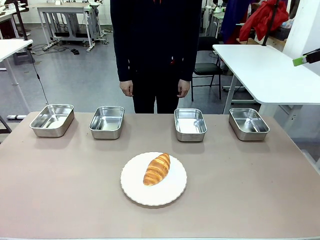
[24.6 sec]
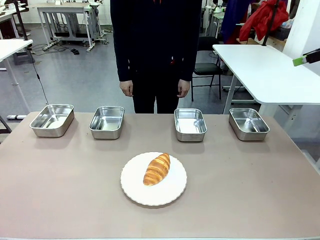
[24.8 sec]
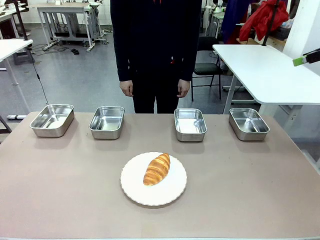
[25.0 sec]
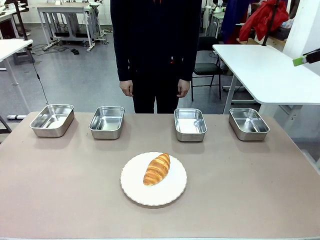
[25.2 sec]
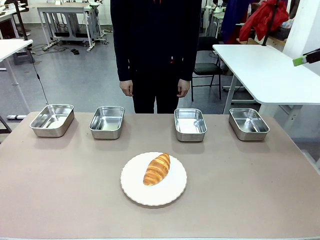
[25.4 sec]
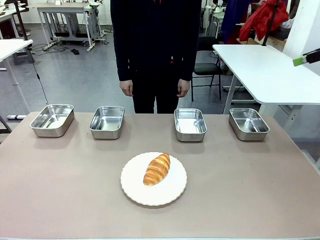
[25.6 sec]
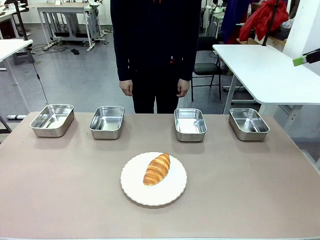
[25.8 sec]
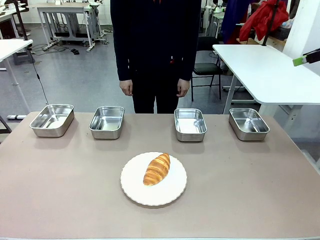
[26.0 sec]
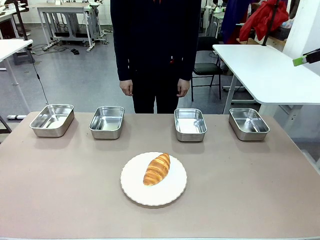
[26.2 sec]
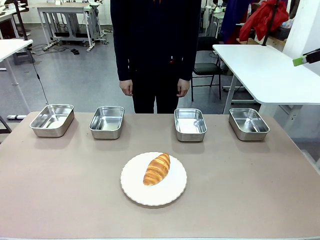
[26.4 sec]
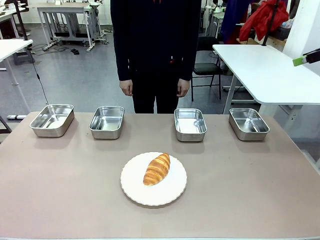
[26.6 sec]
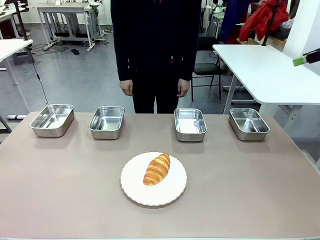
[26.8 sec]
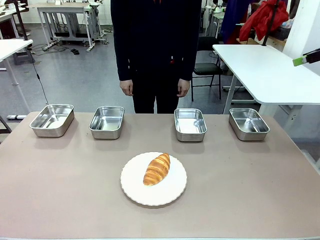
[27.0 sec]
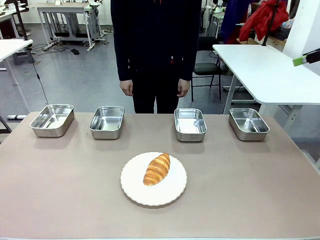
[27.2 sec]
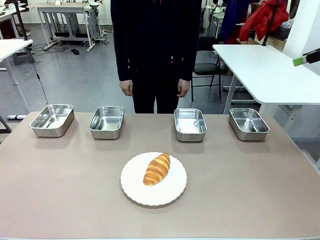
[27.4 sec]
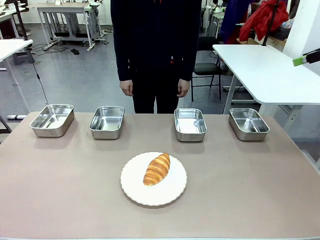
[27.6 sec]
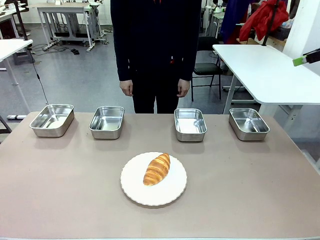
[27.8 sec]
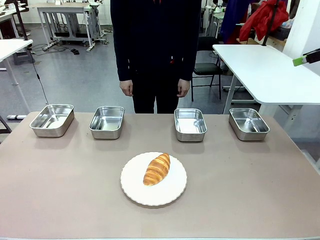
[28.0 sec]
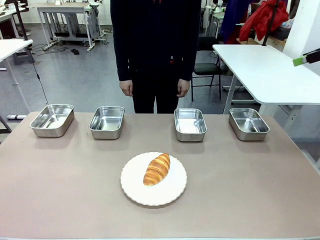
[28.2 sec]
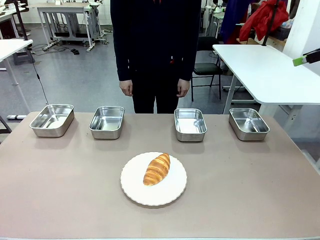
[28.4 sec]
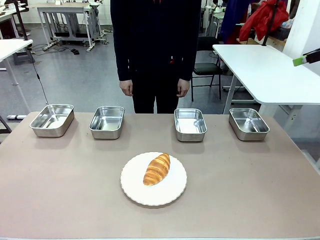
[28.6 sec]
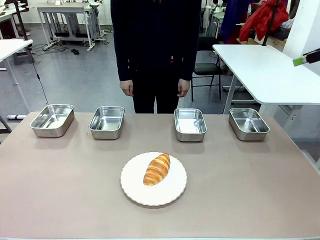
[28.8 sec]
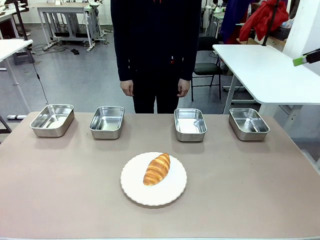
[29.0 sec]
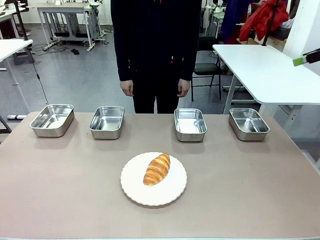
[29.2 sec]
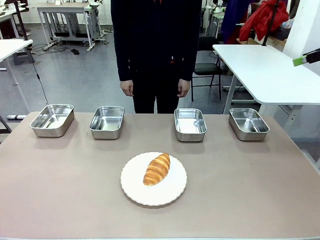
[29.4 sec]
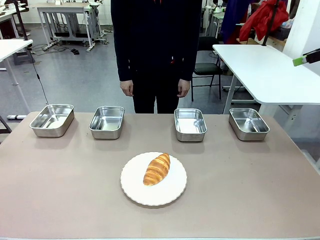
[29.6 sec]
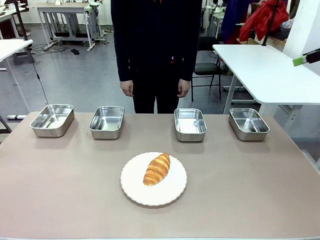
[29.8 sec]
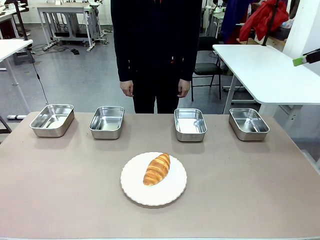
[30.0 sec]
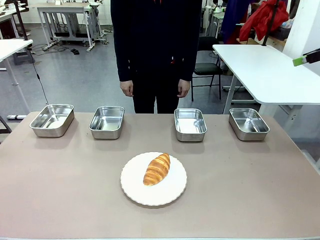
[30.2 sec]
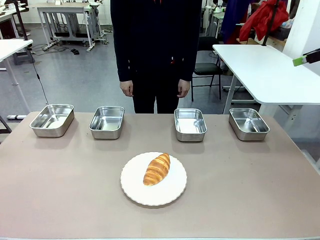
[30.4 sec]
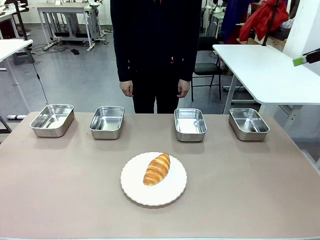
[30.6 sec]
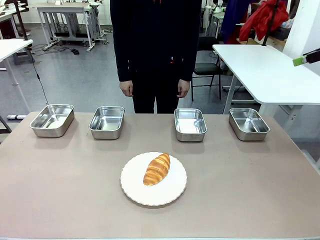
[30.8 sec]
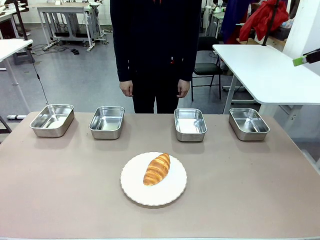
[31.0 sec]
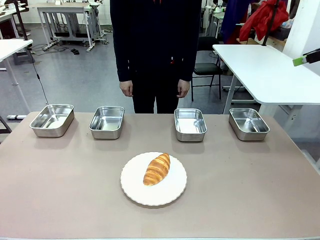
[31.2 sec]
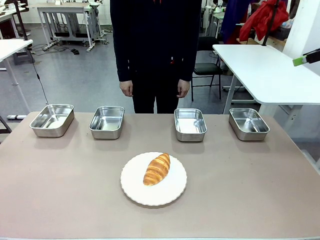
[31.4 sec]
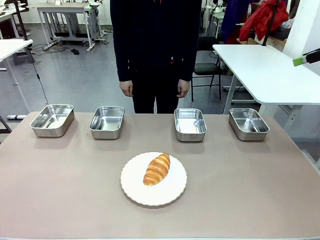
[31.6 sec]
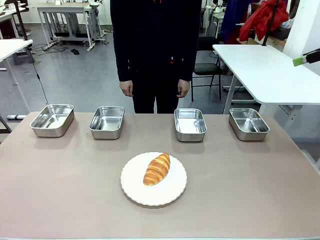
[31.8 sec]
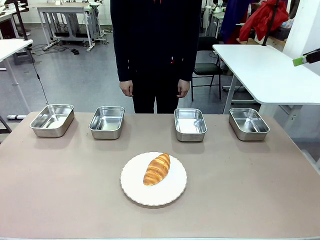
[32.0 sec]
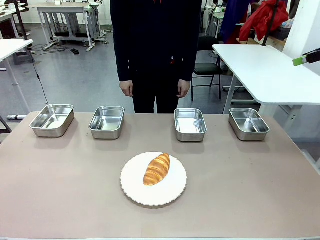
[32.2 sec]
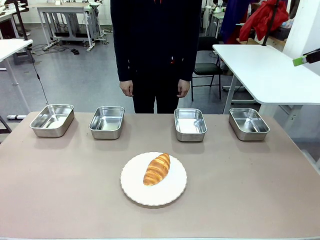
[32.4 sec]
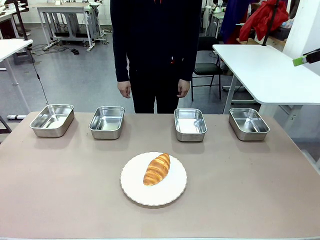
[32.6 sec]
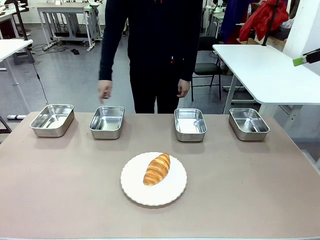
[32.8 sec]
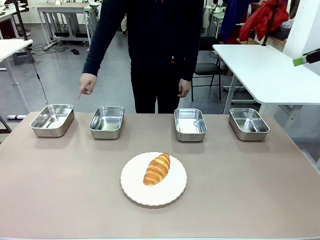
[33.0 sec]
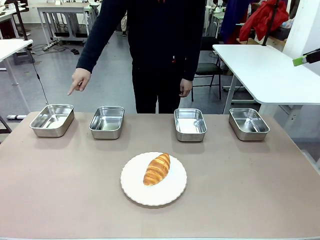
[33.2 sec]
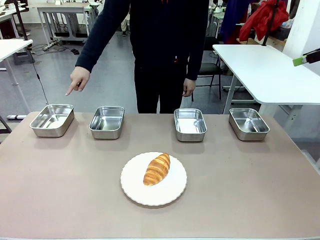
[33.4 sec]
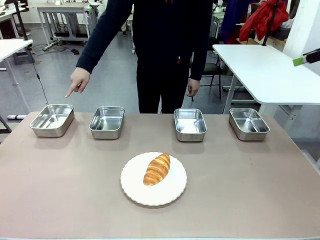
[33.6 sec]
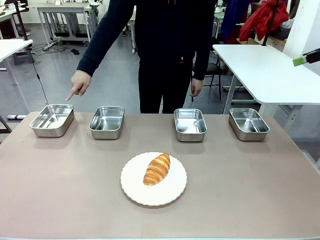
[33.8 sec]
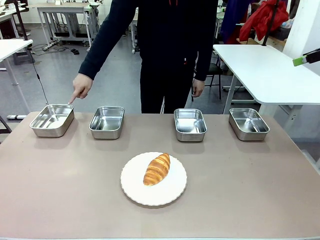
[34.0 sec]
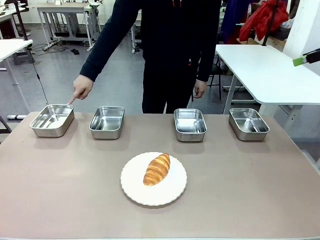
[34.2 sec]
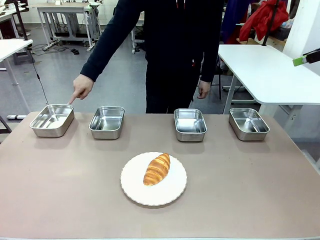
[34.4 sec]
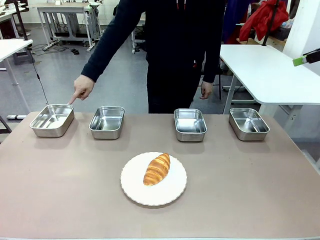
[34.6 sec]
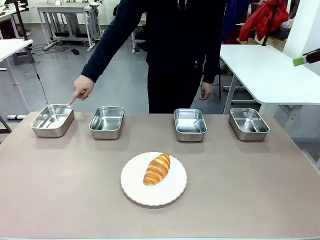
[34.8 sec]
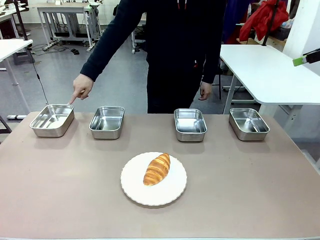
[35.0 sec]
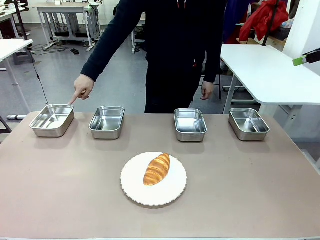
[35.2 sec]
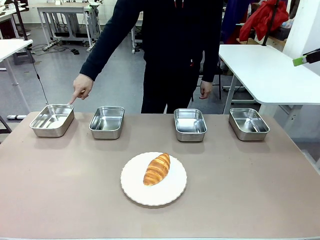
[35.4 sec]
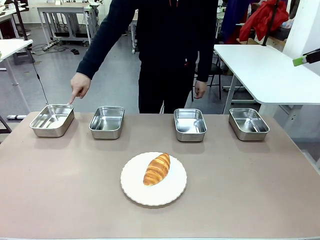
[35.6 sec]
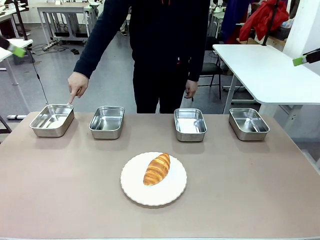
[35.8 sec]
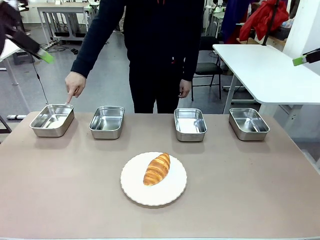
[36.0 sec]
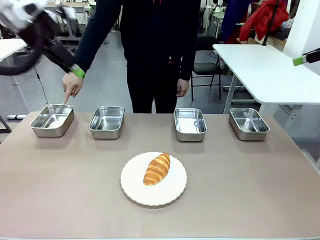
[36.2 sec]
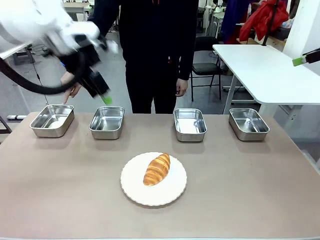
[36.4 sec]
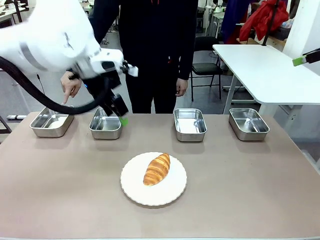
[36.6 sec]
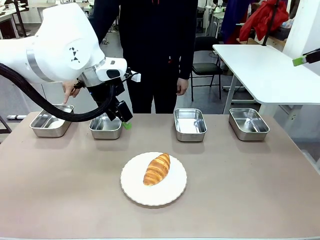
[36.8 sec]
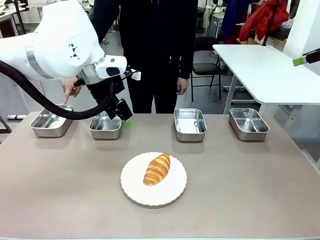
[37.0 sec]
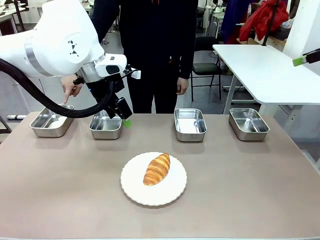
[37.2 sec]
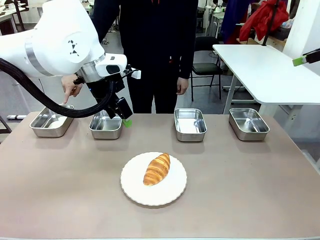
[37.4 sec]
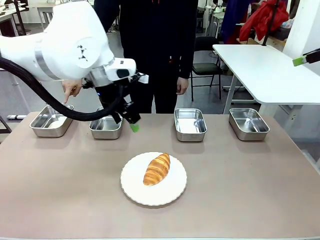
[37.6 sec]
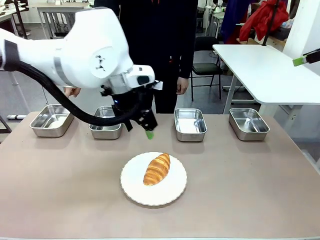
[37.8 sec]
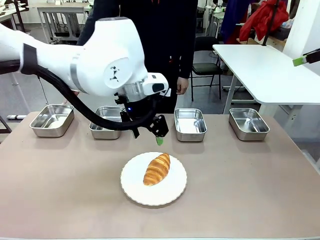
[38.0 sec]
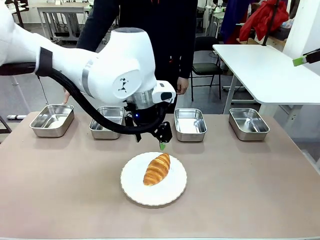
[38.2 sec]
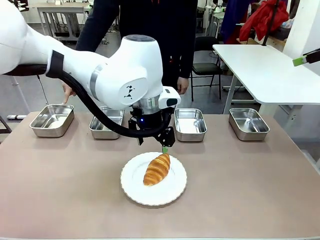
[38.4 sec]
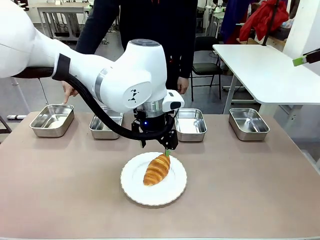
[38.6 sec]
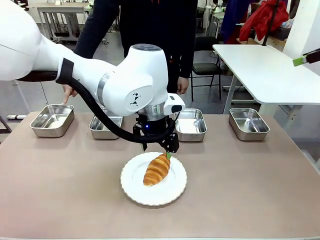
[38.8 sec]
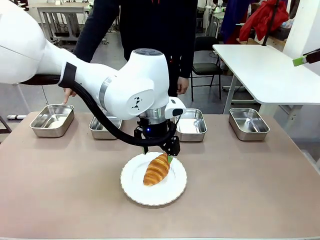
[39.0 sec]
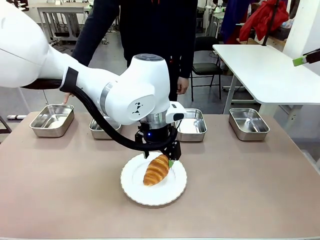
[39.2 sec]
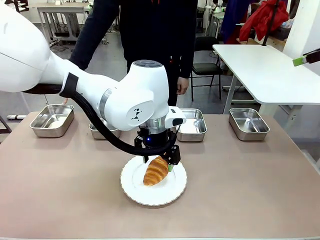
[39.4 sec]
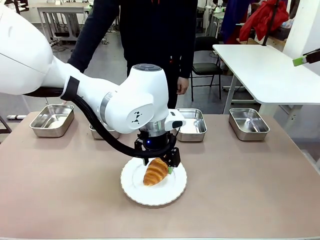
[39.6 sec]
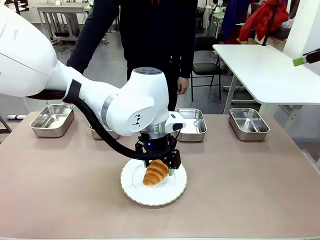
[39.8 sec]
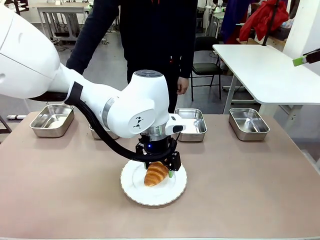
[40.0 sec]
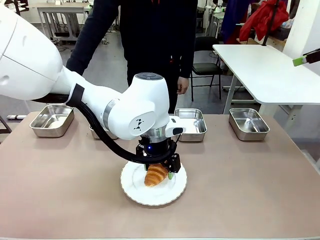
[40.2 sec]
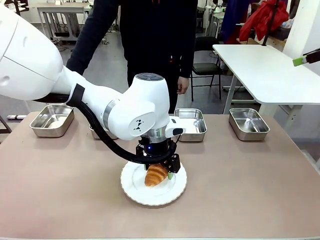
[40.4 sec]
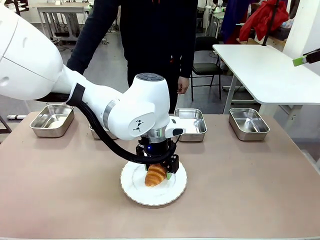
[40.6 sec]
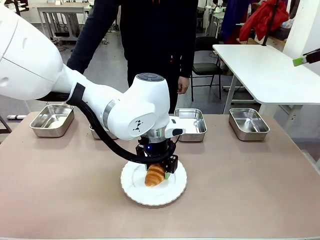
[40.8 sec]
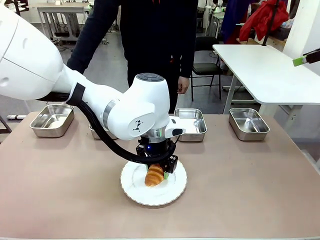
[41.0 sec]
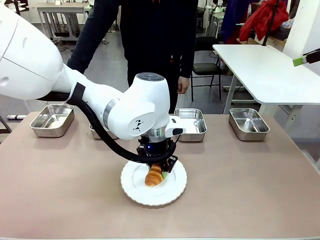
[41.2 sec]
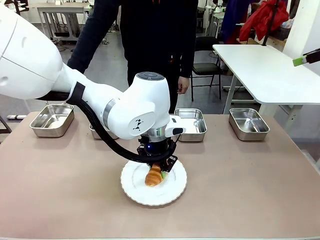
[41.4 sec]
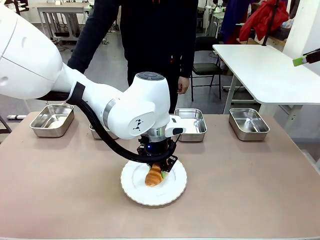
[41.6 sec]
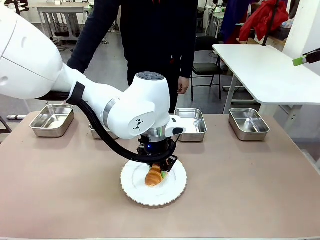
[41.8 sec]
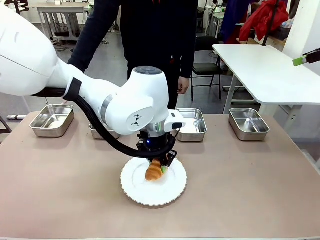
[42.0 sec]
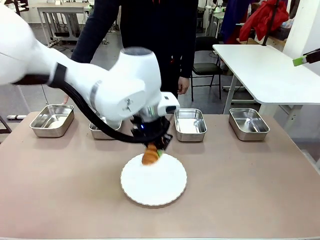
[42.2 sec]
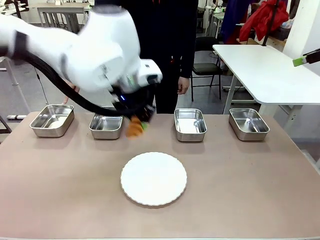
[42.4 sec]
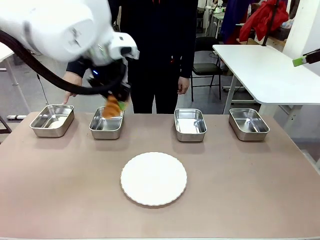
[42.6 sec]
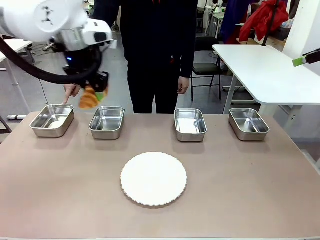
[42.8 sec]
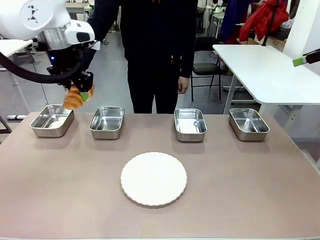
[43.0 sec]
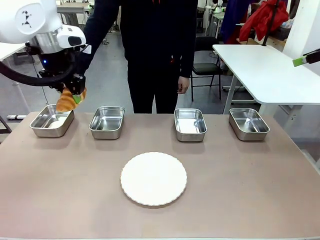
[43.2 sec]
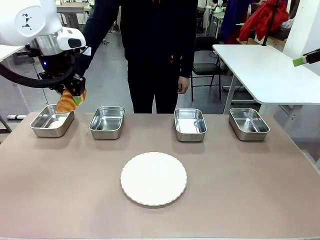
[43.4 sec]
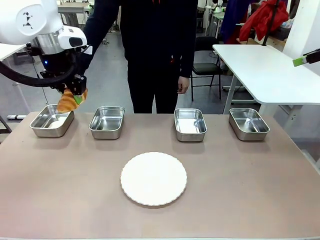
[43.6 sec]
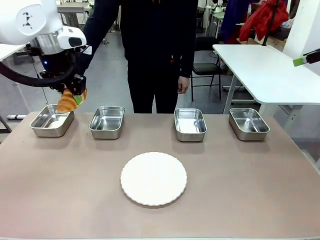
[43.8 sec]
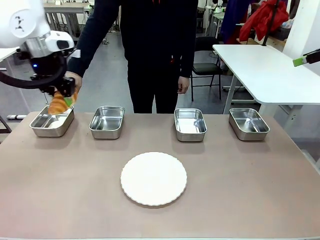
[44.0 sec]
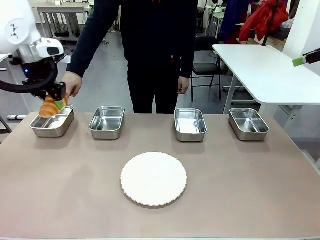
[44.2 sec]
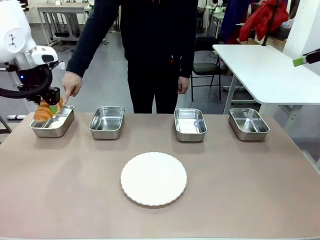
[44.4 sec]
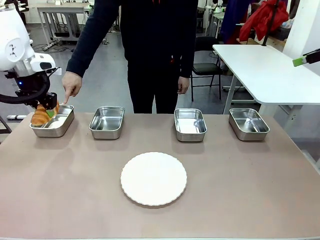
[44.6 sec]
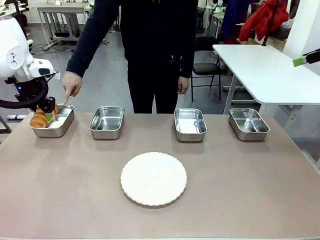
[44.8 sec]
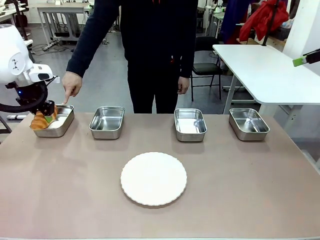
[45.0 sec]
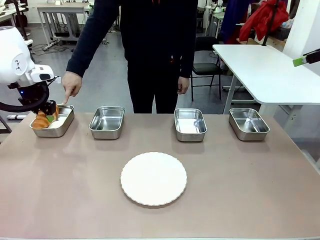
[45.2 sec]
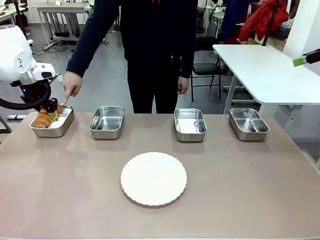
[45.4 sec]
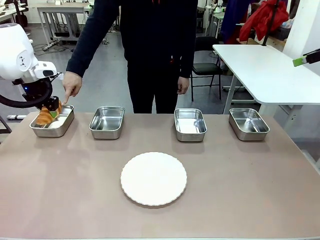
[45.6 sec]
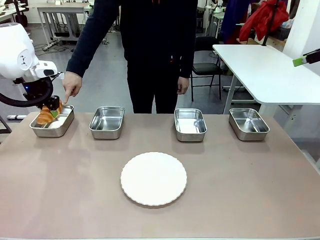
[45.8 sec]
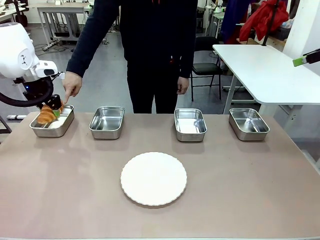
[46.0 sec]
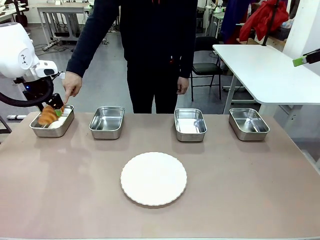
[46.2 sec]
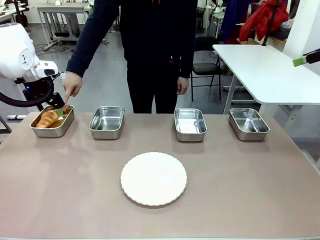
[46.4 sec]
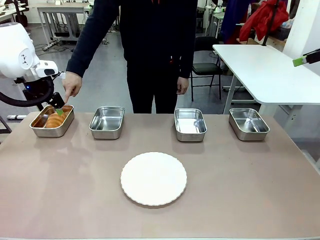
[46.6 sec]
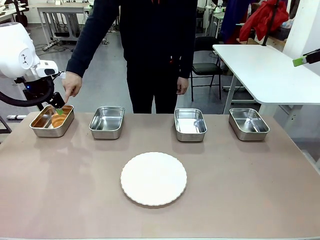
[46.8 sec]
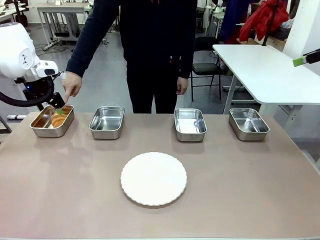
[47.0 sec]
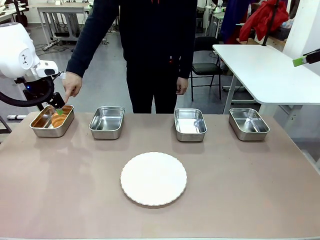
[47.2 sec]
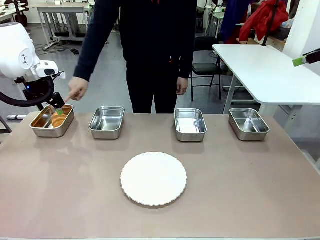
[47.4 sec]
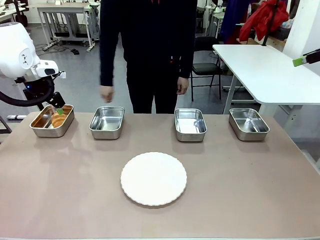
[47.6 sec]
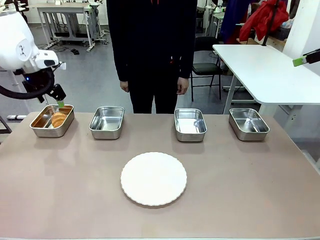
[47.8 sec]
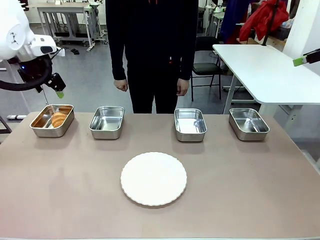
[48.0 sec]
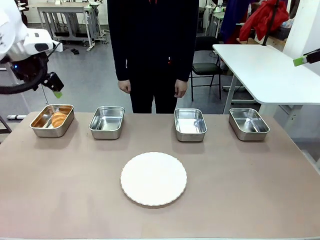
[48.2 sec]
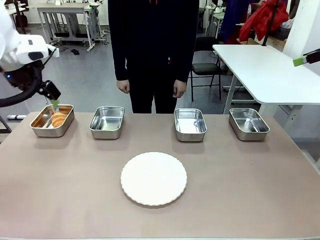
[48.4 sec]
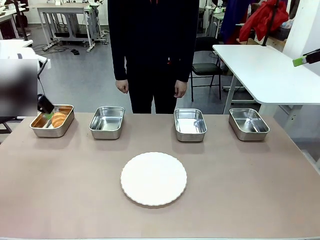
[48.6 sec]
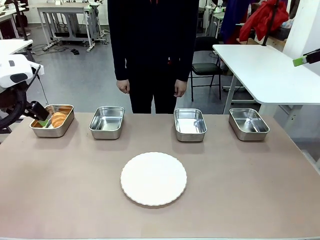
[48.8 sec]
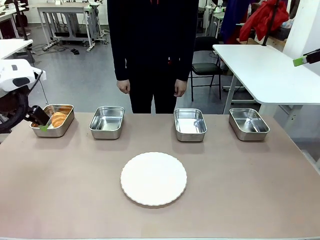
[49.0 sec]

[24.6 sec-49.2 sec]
Task: Place the bread in the container.
Robot: Place the Butter Roll into the Airtight Container indicated by the human.
